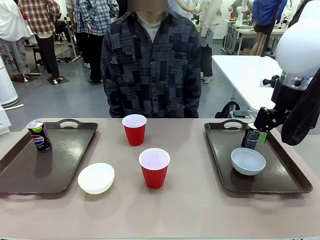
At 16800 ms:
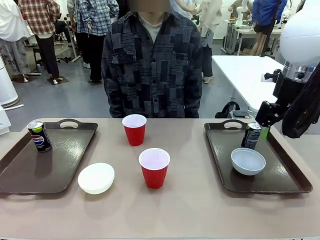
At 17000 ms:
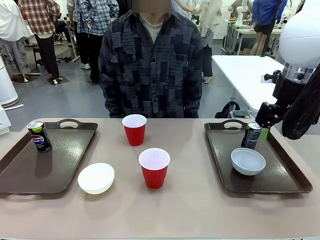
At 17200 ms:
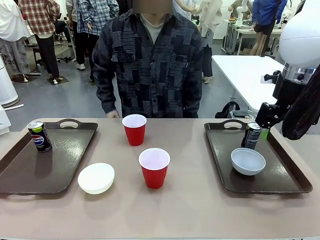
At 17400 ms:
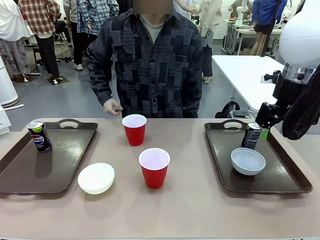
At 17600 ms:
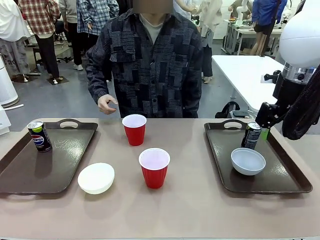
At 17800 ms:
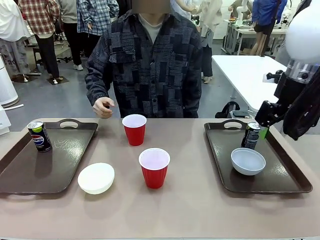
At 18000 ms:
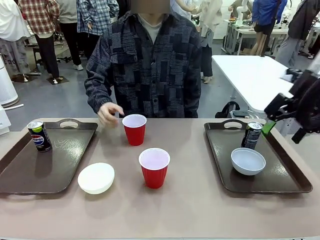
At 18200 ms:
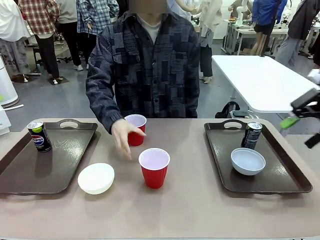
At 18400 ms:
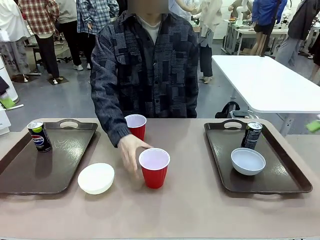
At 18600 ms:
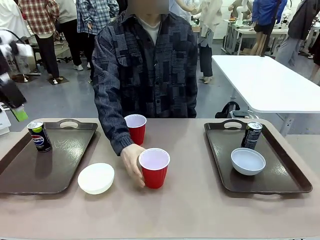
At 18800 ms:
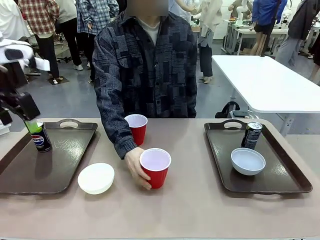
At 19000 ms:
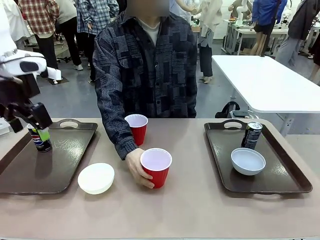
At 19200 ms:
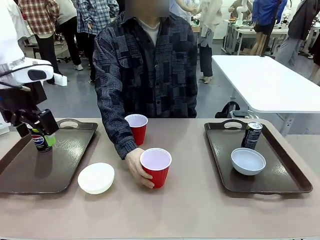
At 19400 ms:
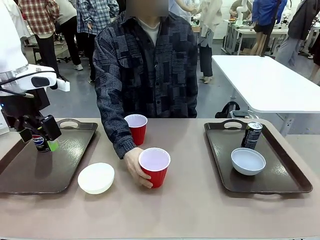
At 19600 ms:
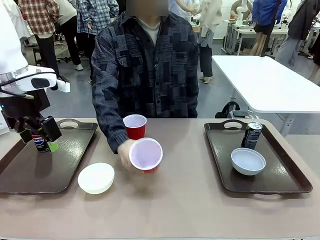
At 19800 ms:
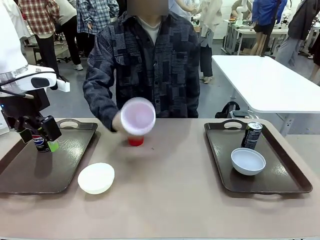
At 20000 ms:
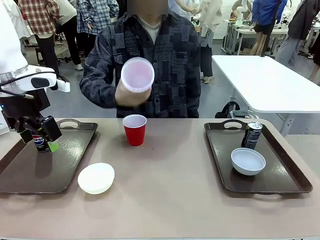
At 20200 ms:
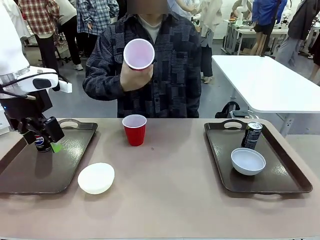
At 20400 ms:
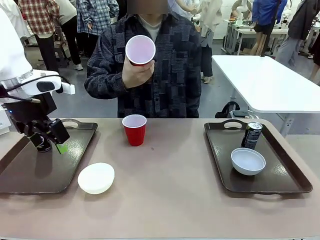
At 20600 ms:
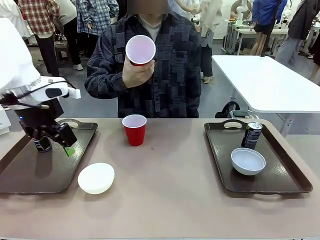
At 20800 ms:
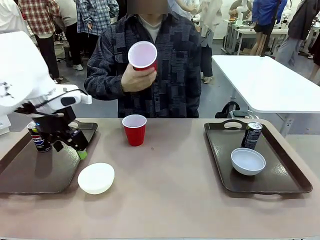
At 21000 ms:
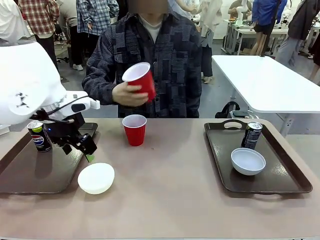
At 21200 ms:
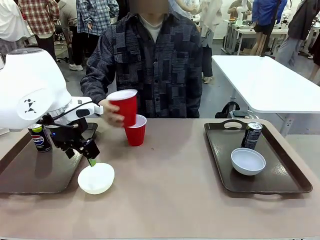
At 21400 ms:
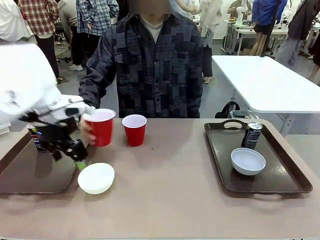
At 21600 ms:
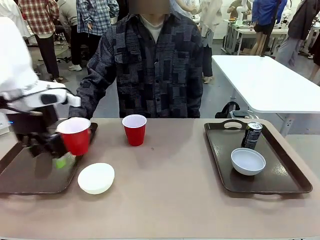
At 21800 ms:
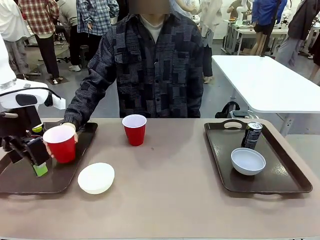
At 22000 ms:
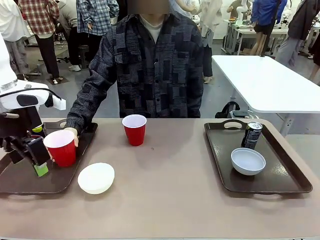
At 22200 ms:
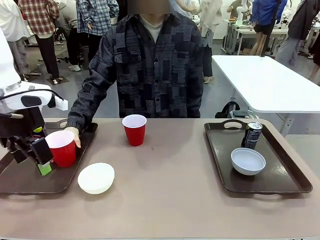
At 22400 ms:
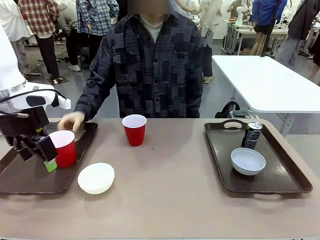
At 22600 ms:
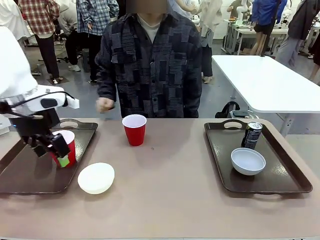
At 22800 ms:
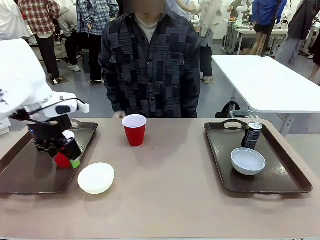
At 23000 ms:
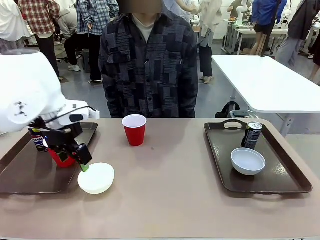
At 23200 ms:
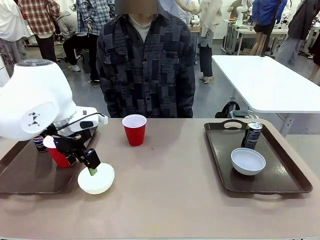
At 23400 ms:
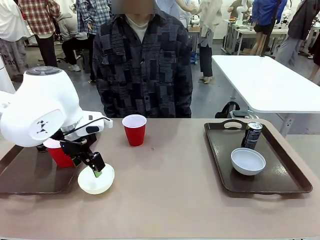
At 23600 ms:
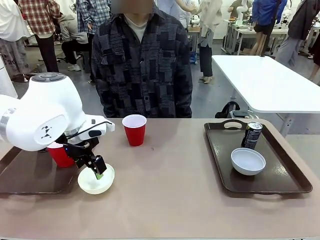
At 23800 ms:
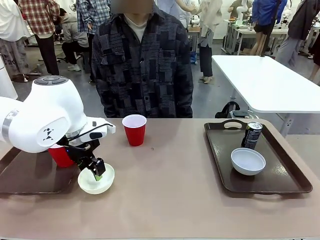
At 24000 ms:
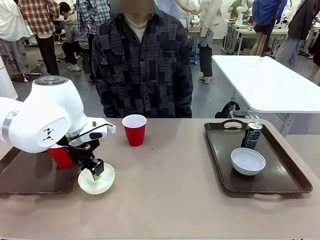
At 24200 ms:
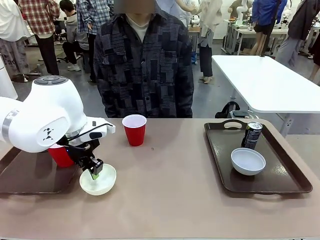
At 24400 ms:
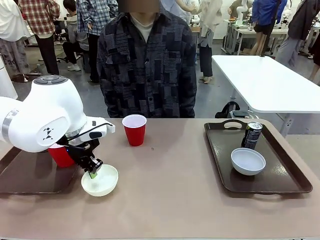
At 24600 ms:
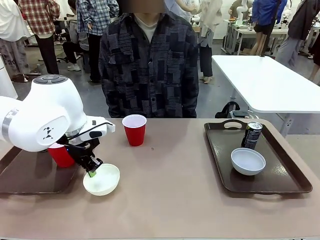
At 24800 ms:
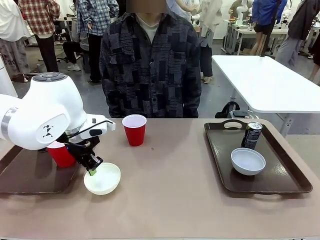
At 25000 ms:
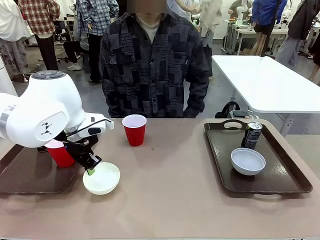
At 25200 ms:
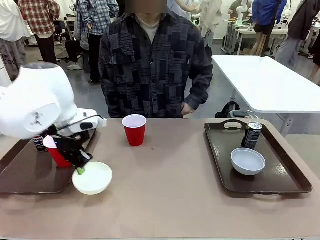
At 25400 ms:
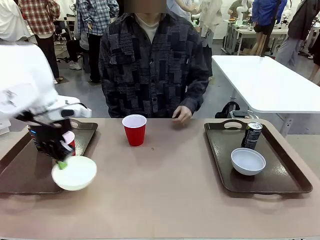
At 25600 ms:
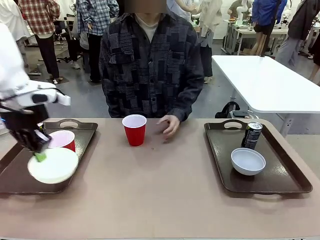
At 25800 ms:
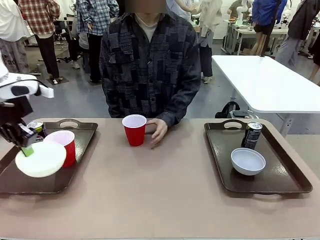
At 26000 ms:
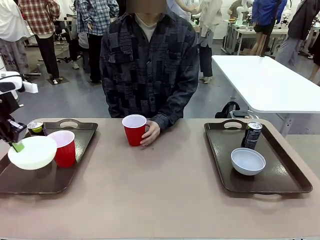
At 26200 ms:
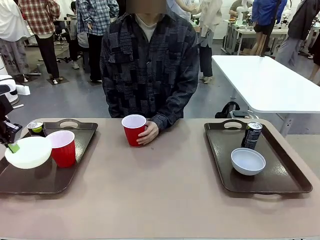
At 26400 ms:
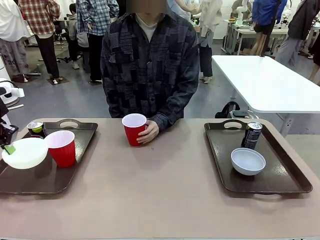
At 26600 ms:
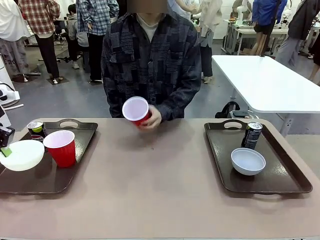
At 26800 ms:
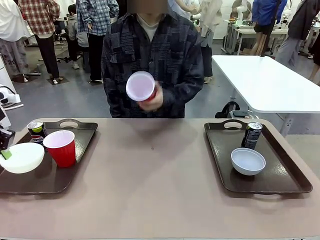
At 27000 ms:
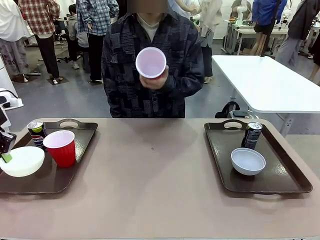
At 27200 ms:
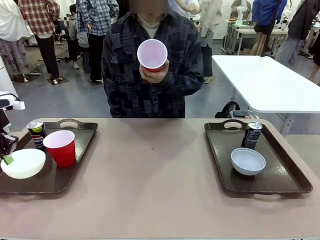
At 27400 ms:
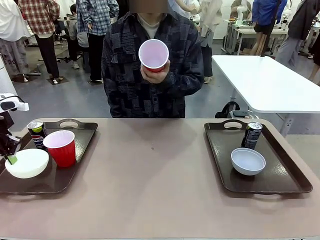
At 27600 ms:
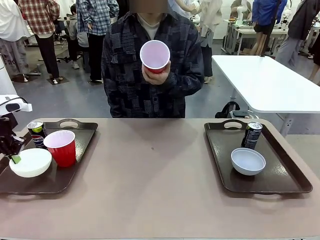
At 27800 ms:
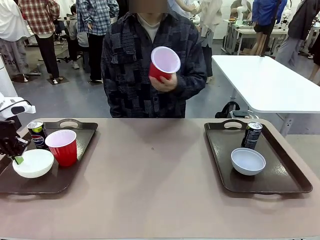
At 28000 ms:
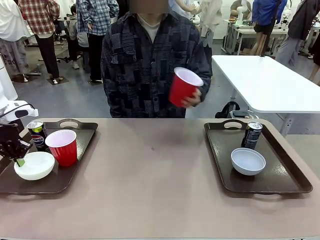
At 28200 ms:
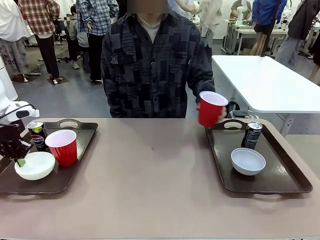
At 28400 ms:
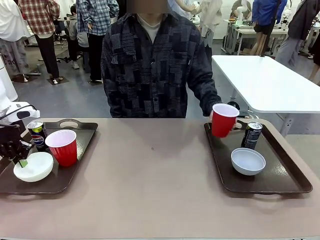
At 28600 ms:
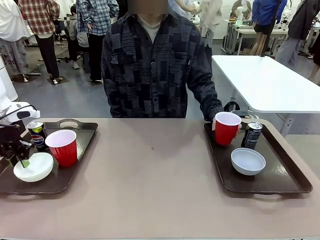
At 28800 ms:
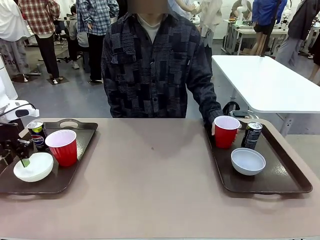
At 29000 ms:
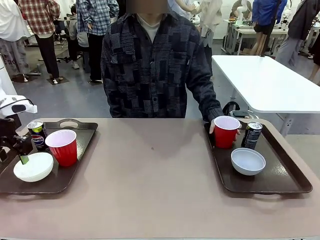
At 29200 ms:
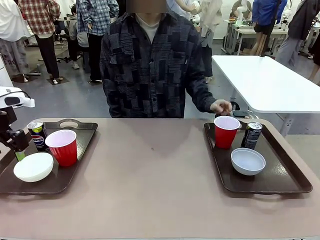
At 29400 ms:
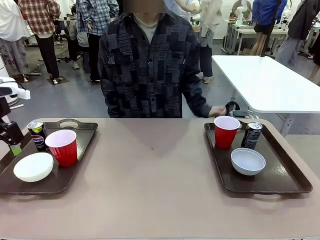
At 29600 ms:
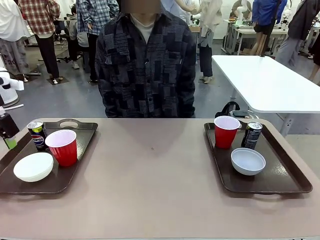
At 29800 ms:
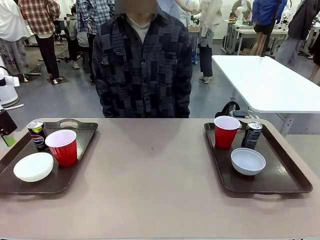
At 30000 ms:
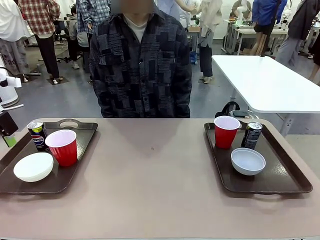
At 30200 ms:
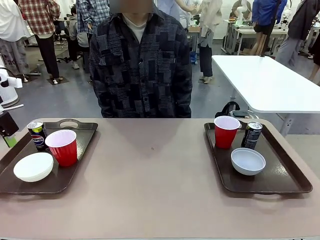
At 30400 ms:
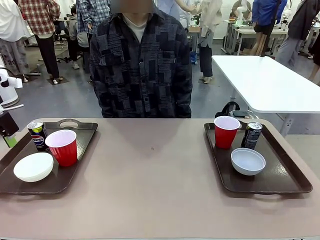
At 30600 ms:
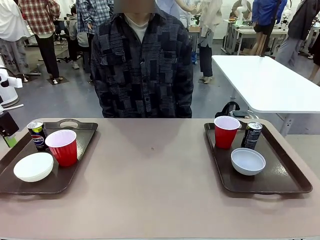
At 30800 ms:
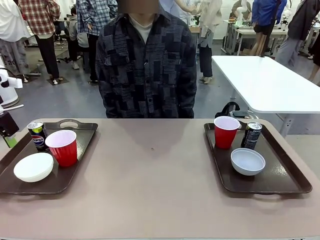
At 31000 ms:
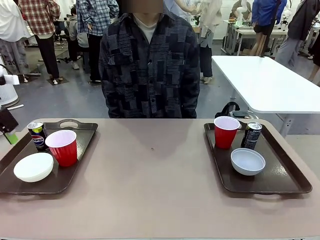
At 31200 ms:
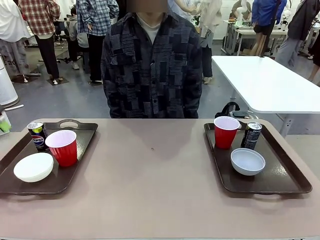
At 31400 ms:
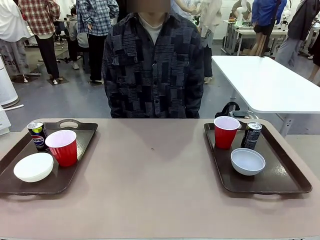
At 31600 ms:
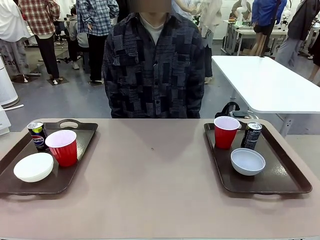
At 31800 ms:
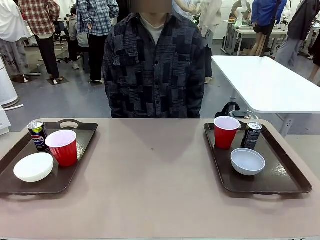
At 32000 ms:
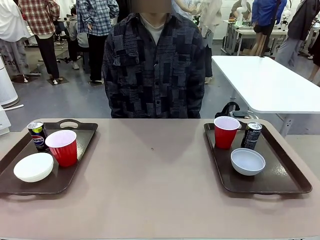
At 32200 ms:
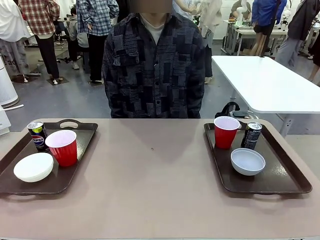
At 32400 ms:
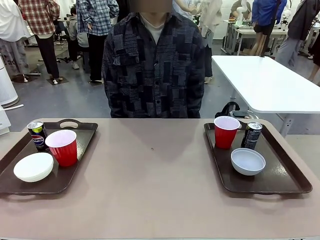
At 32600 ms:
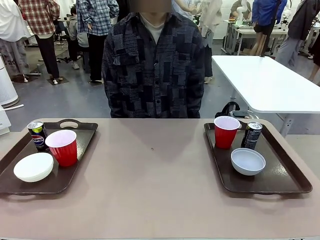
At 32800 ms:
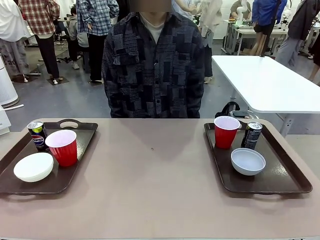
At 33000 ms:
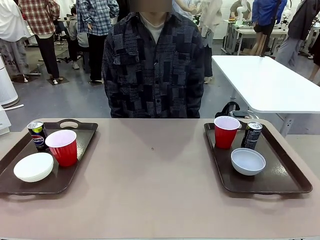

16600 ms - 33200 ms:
Task: Prepare tableware on both trays.
Robot: Pick up a Picnic Bowl from the table and place it on a Handle tray.
Person: Pick up a can or cup and place it on the tray without a can or cup.
